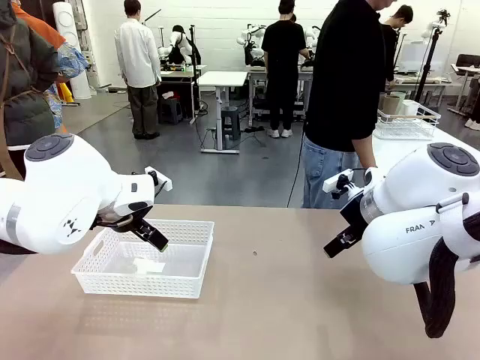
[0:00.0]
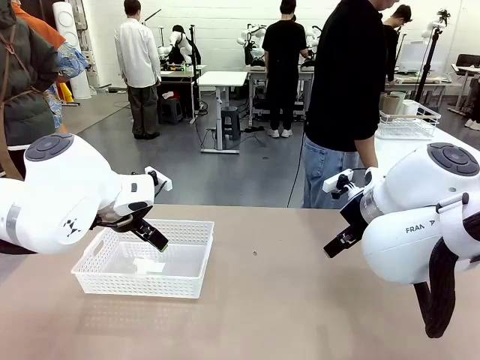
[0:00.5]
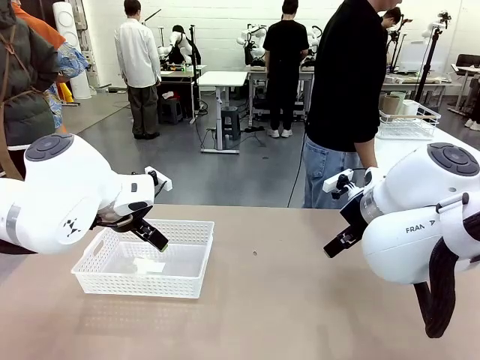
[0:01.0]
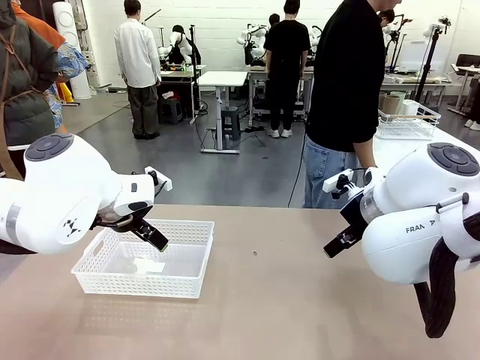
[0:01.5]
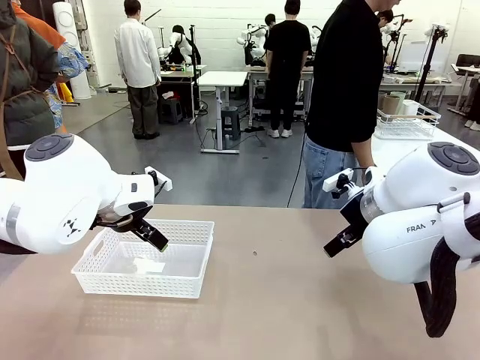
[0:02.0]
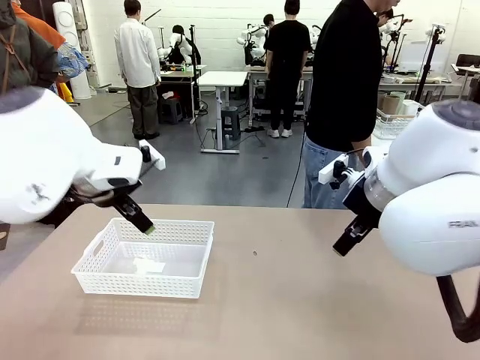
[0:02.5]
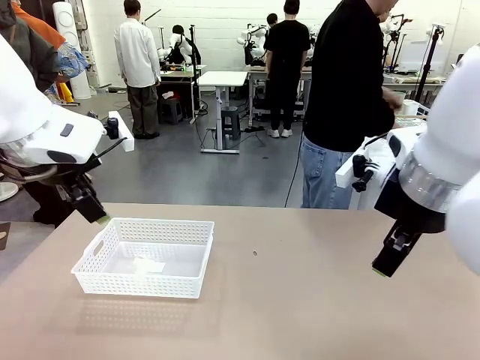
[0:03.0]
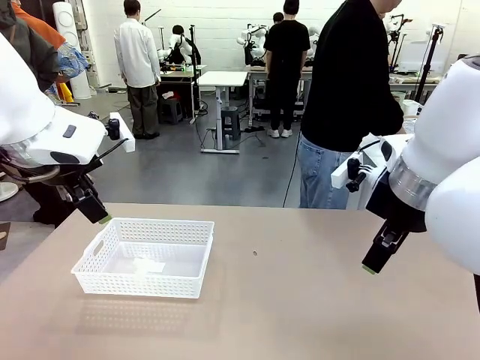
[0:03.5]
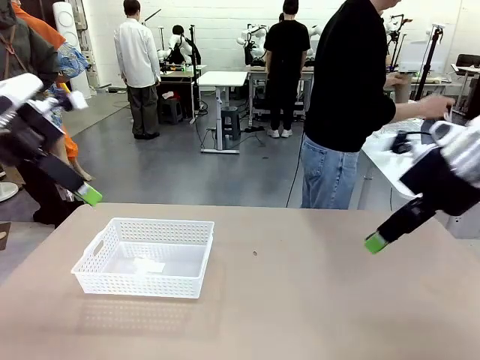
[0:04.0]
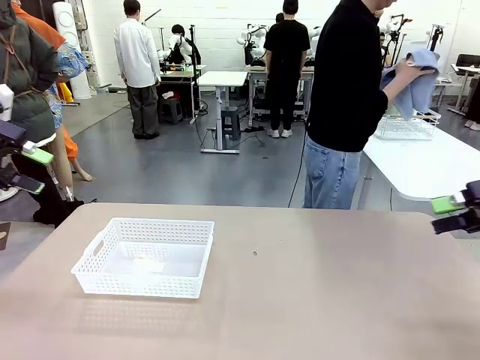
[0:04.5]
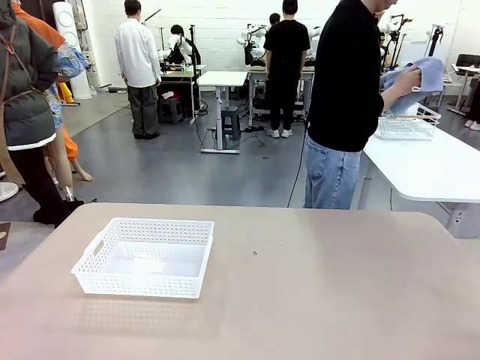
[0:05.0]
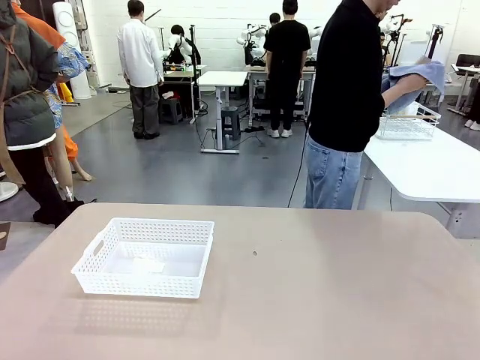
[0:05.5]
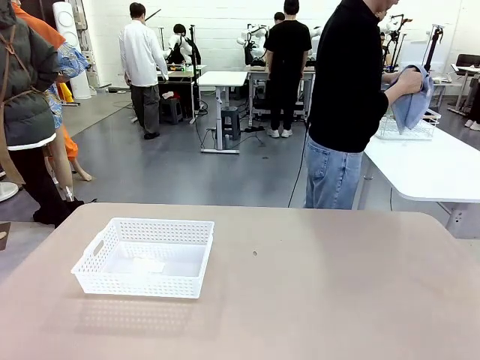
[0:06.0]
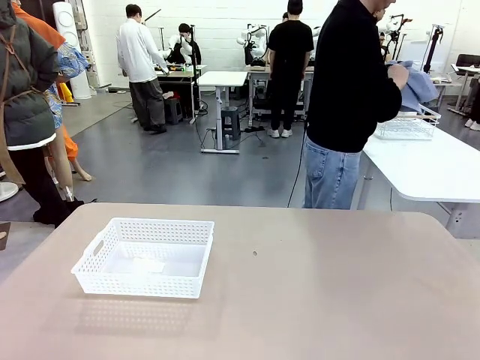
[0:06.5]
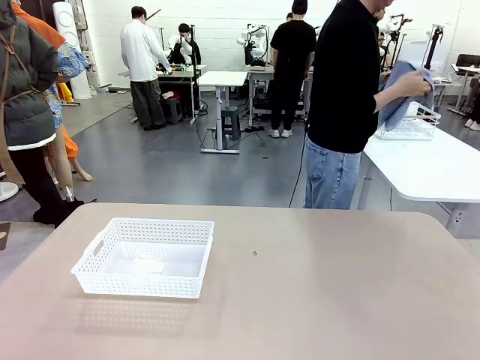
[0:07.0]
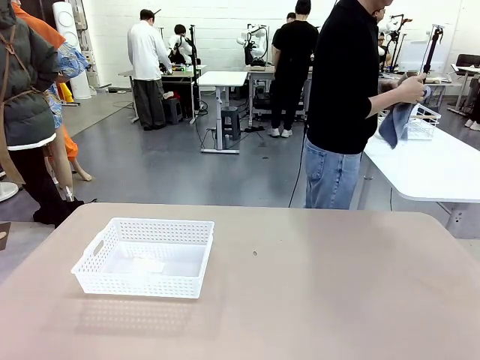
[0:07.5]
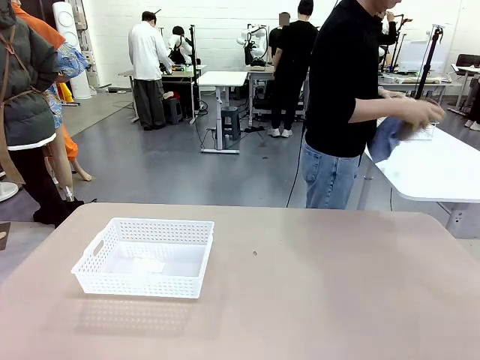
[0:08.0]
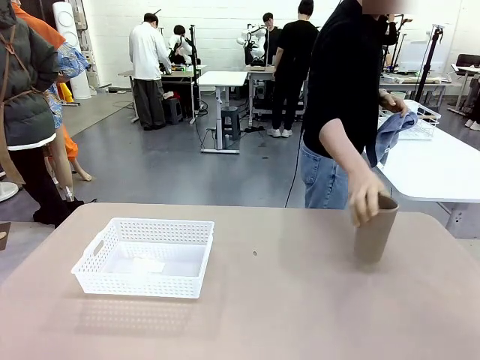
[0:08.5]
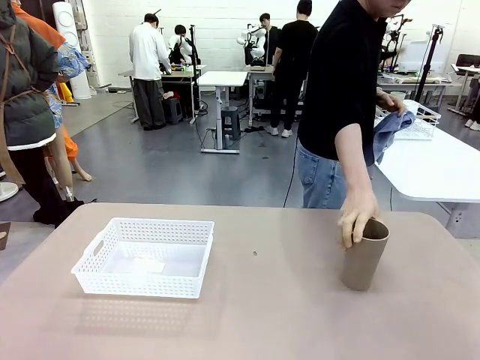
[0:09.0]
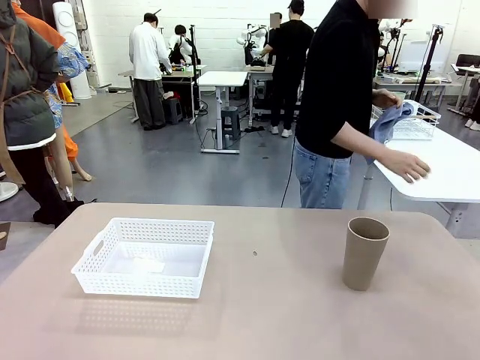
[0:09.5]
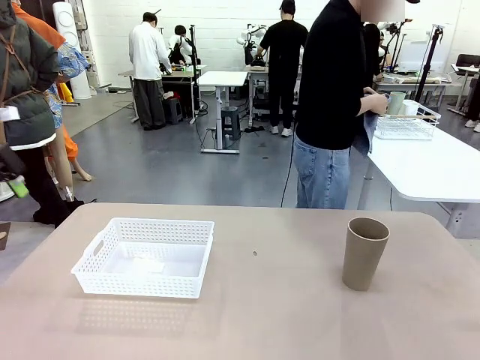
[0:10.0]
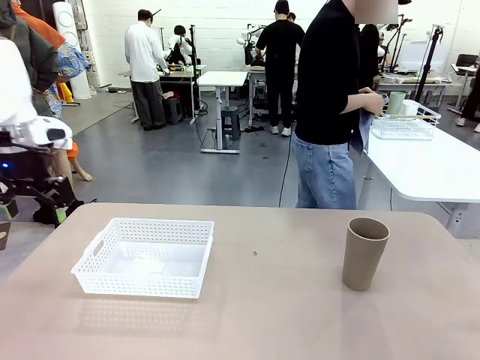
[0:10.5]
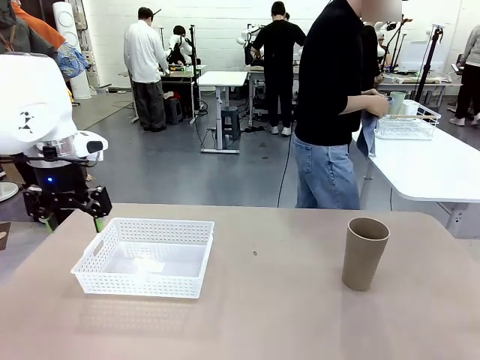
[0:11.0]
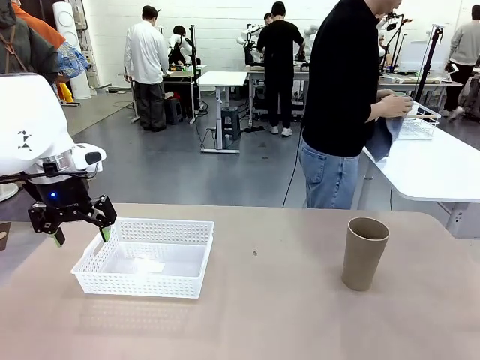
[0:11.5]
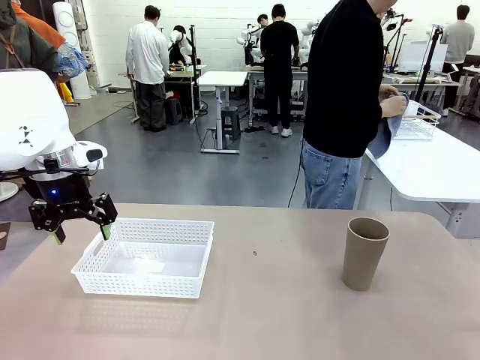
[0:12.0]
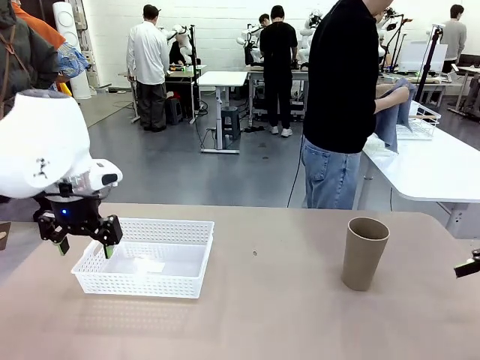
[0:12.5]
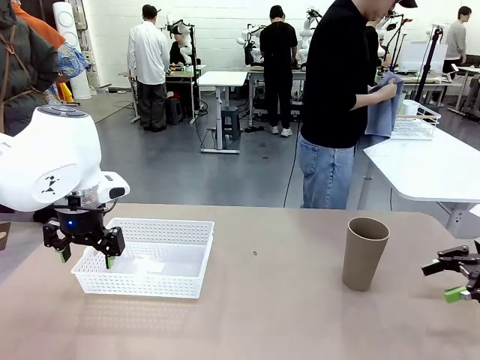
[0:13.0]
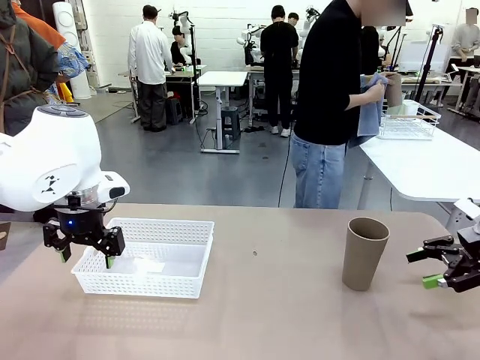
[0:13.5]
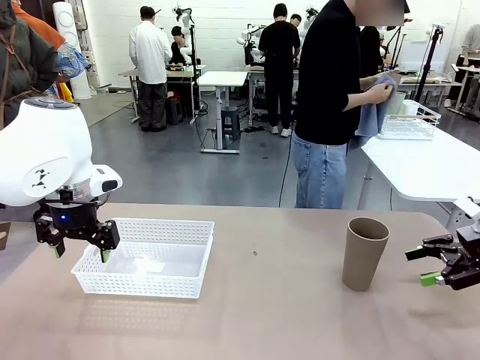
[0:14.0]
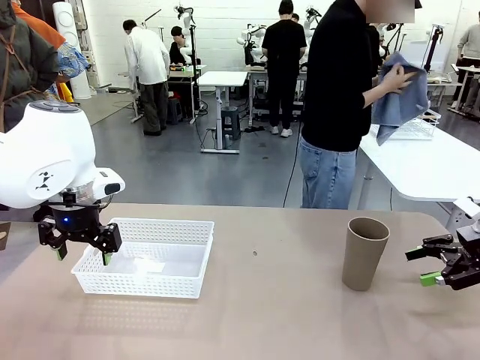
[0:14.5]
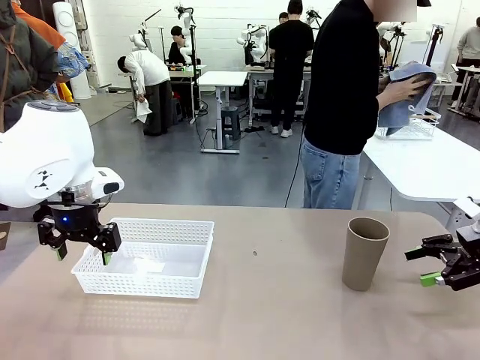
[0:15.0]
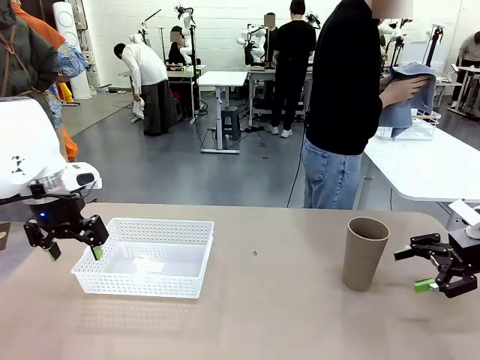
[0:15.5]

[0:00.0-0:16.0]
Task: Clean and organize the cups into the basket.
Robot: Pick up the Organizing basket and move it to the center of the table, then pick up the Reusable plastic cup from the right side of the table and place it inside the Organizing basket.
Person: Picks up a cup and a towel, cleans the cup with the towel, and places it on the left side of the robot table.
